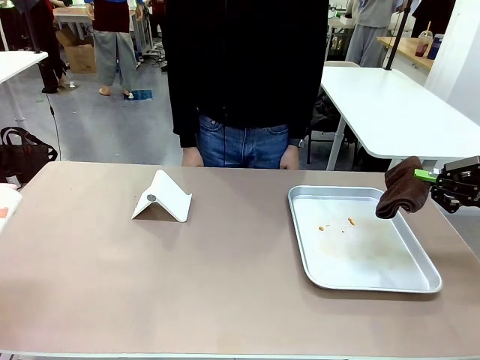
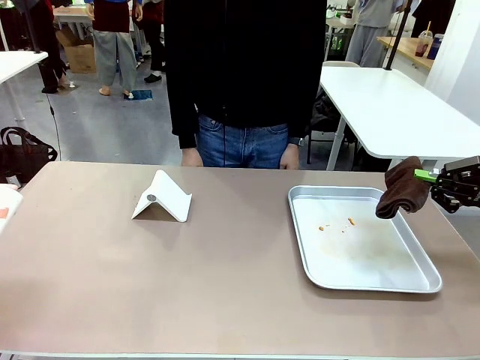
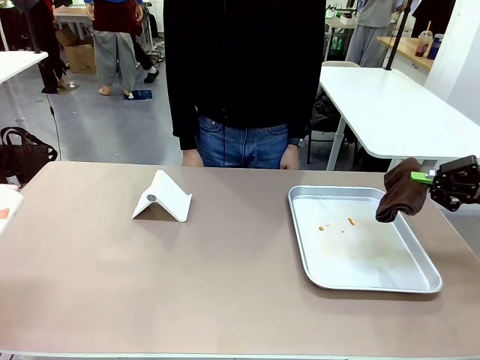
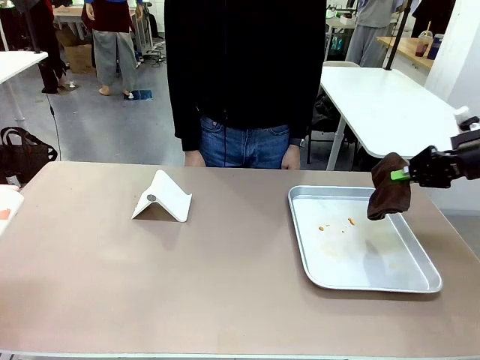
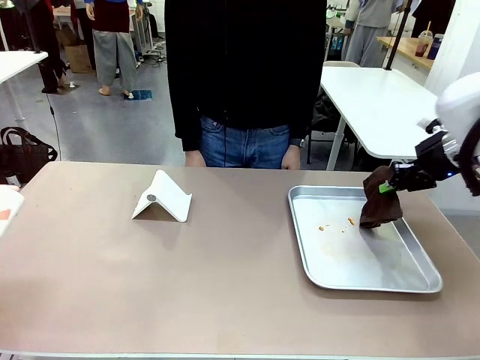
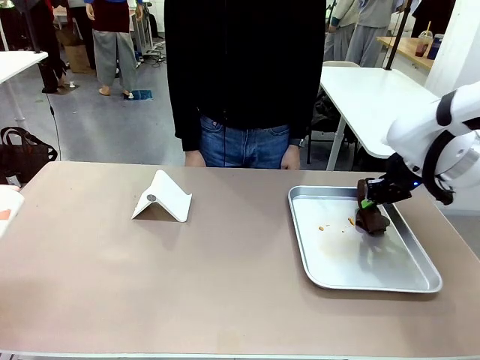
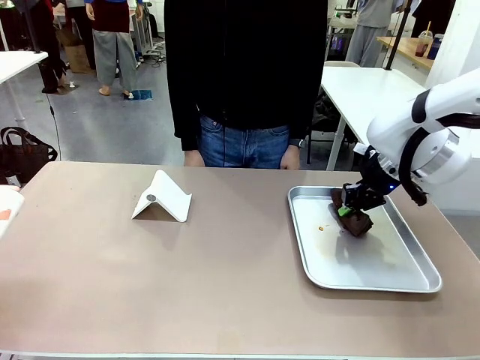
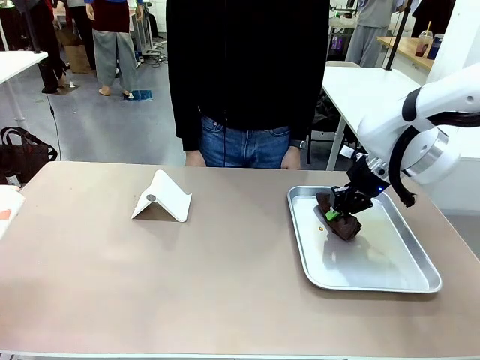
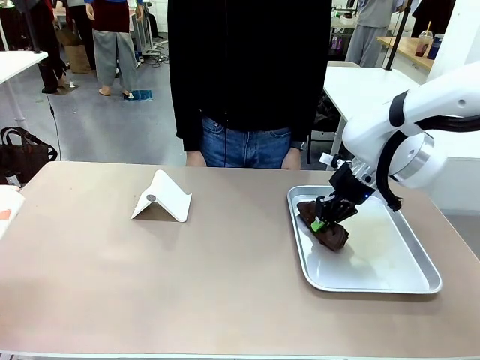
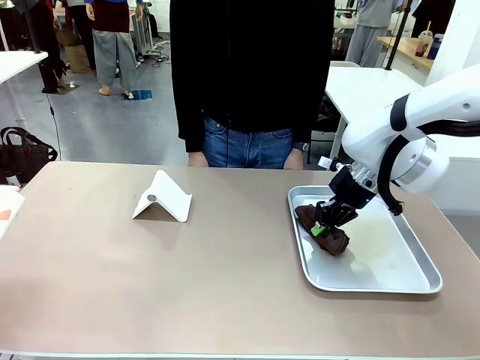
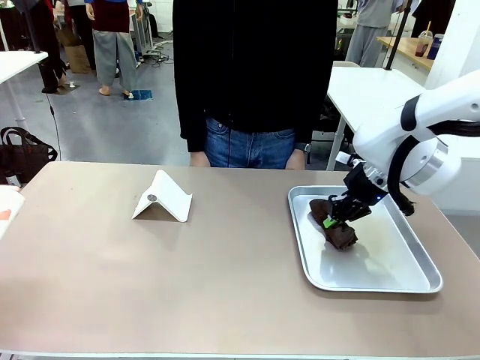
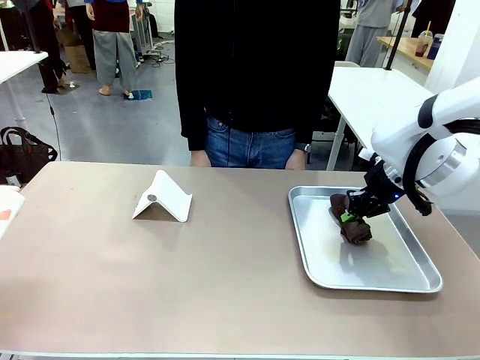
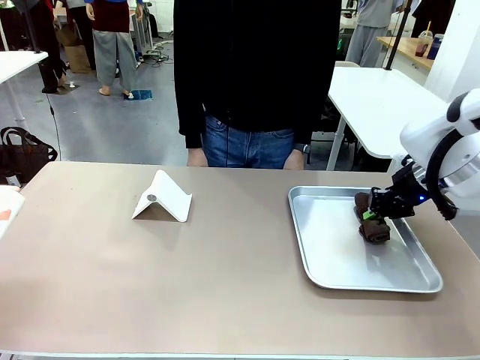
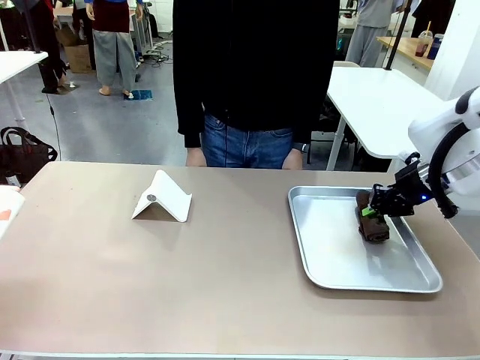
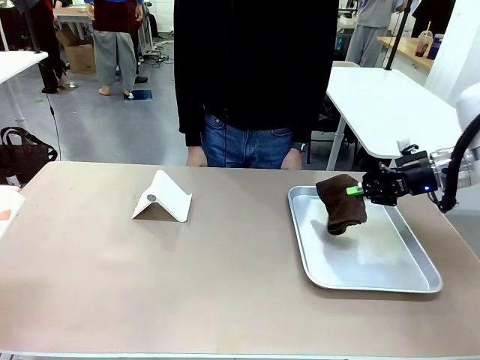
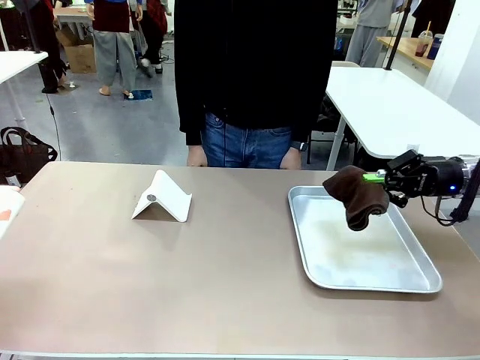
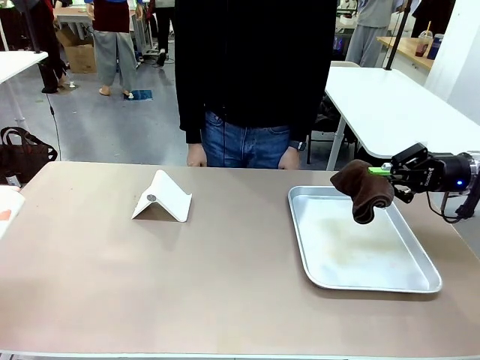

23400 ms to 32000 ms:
Task: Clean the surface of the table.
Robot: Clean the area not pointed to by the person.

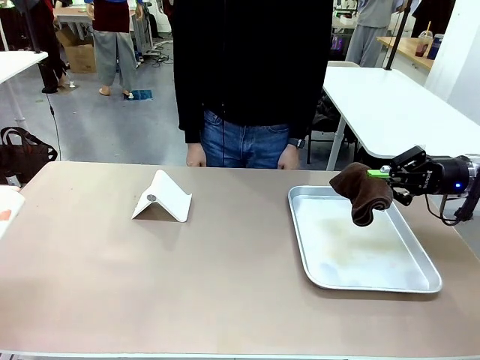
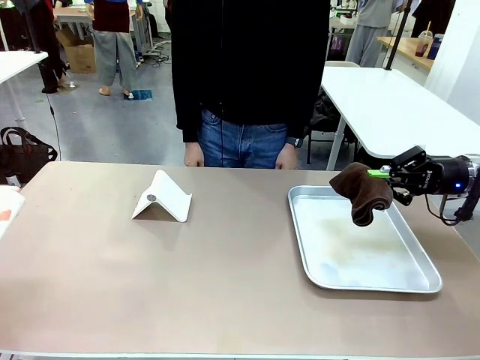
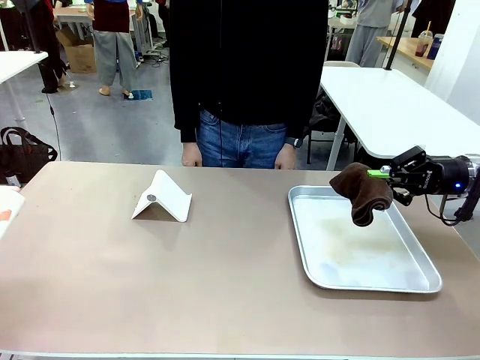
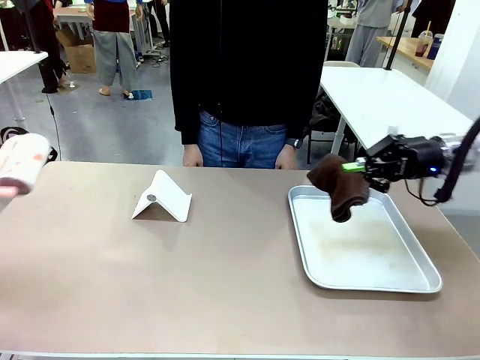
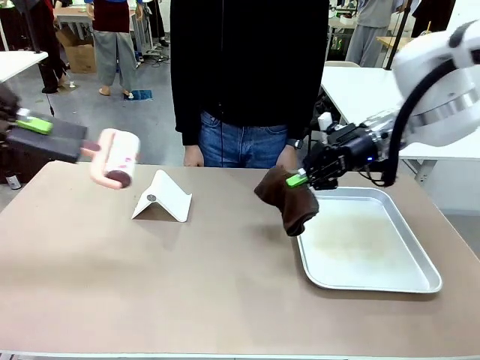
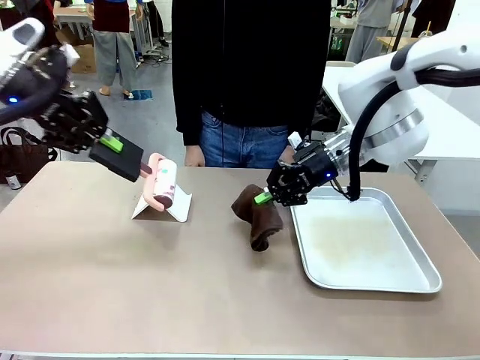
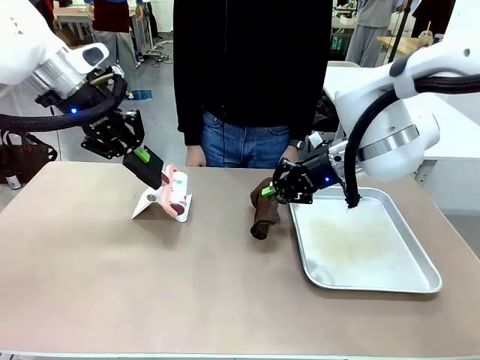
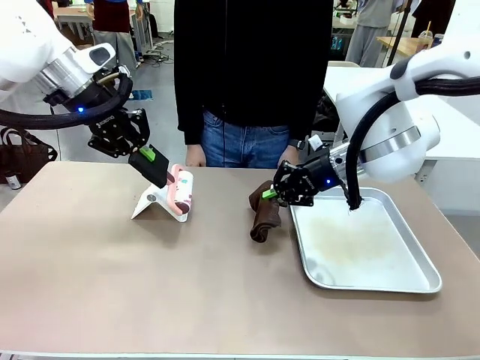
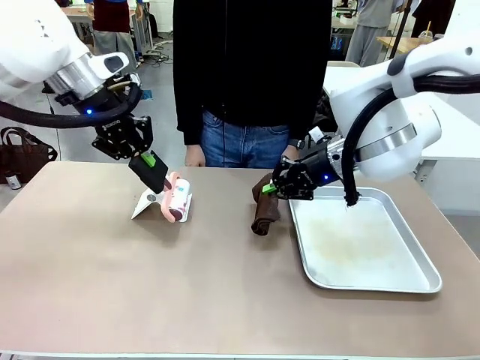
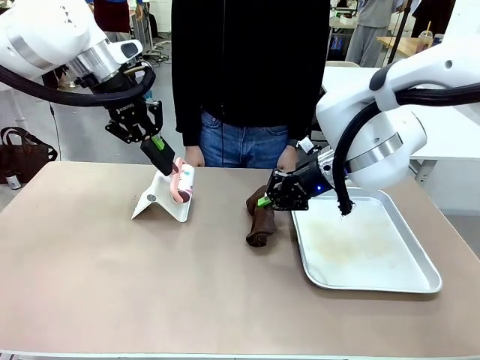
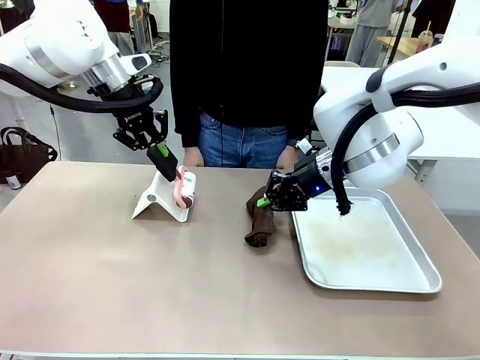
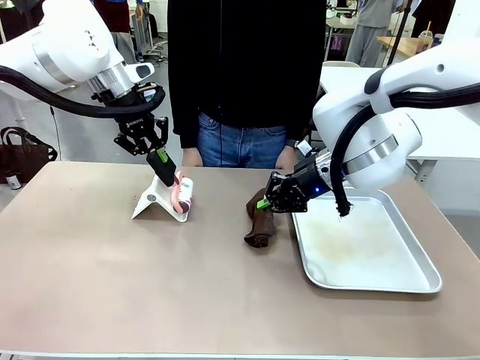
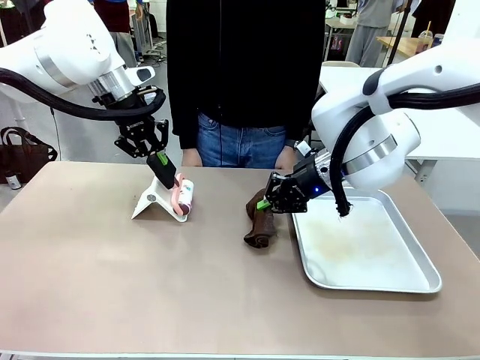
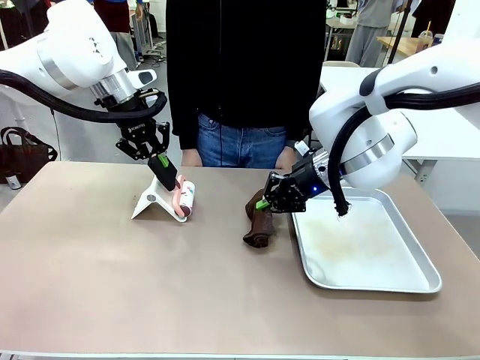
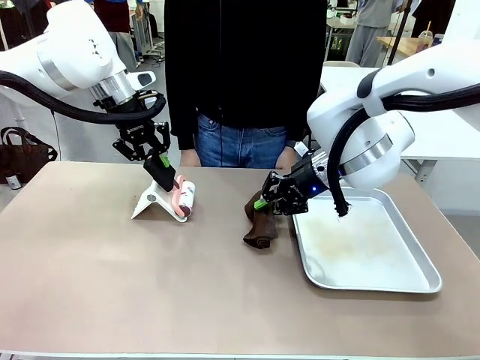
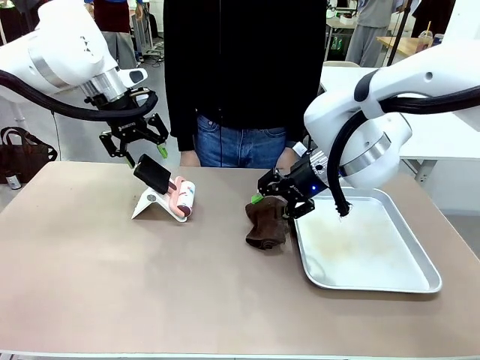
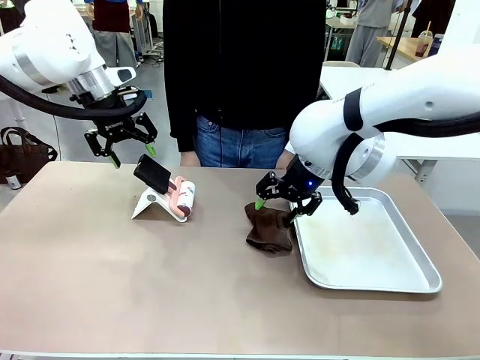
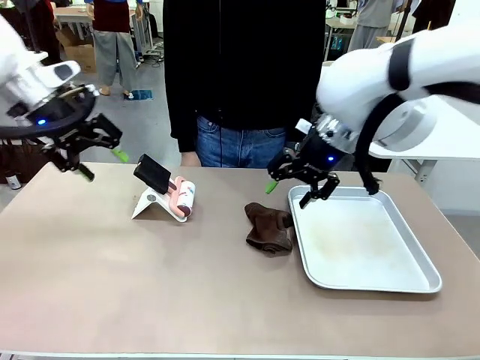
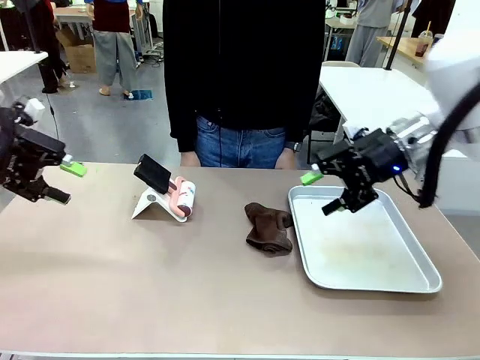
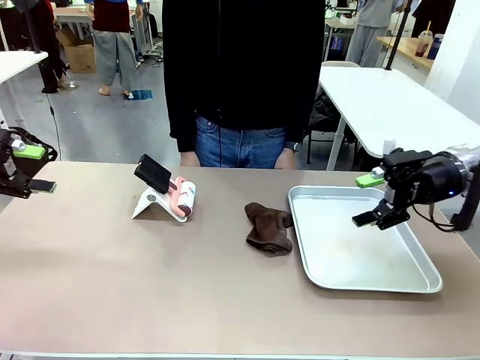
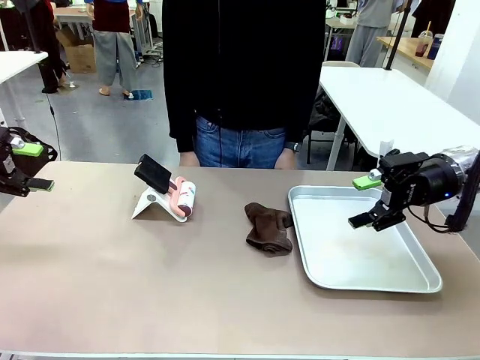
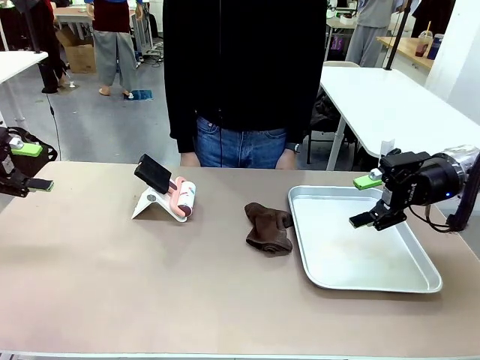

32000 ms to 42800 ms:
Robot: Return the Lint Roller and towel to their original positions.
